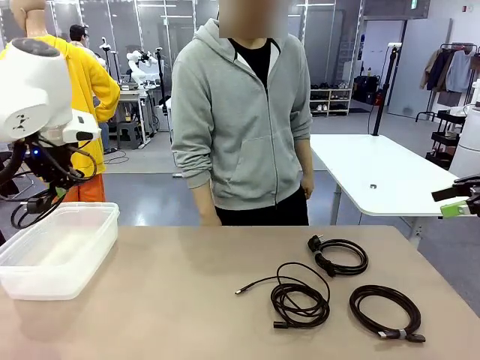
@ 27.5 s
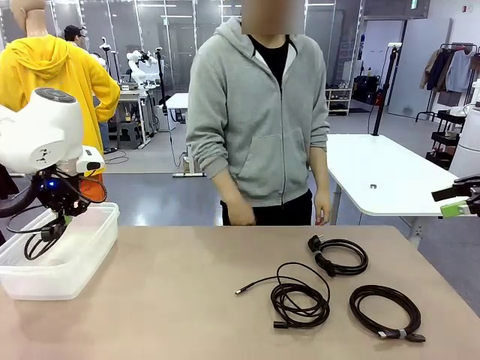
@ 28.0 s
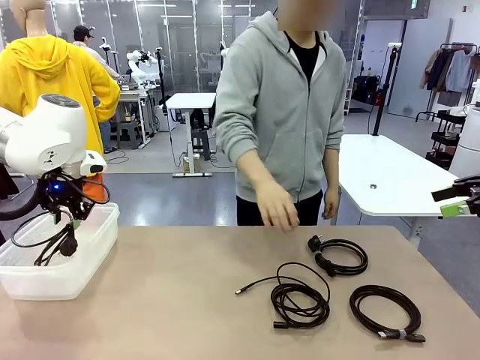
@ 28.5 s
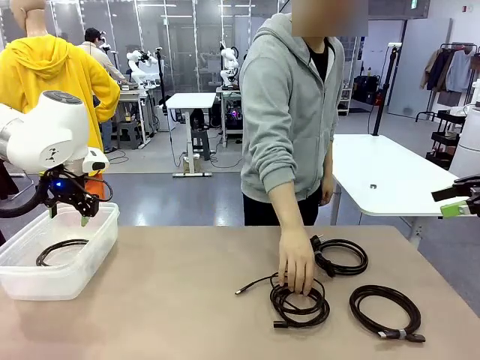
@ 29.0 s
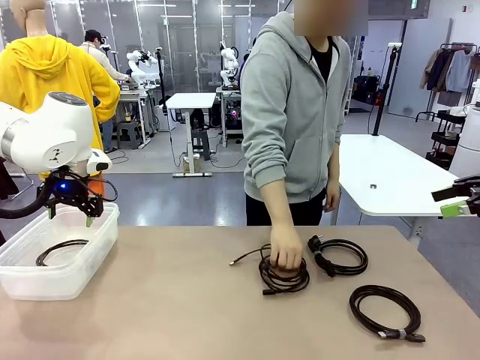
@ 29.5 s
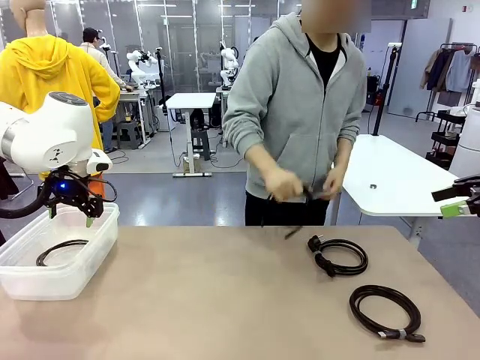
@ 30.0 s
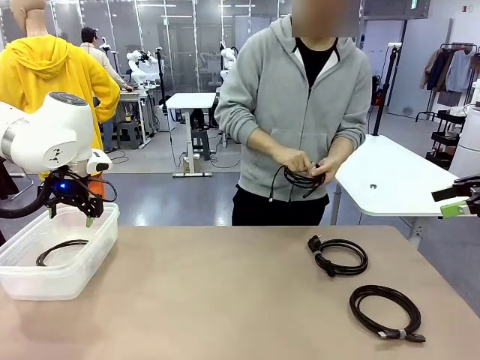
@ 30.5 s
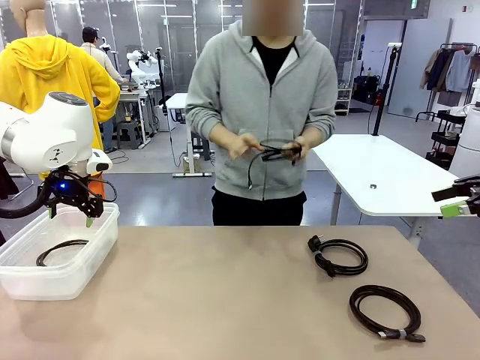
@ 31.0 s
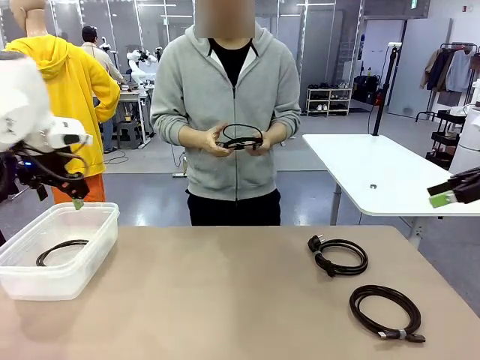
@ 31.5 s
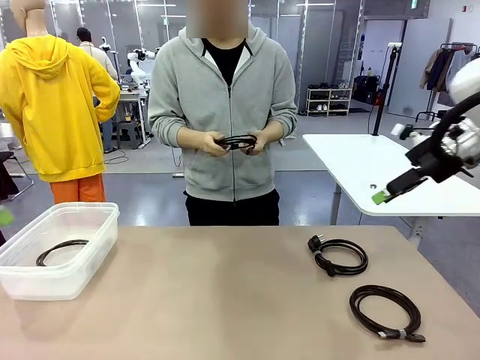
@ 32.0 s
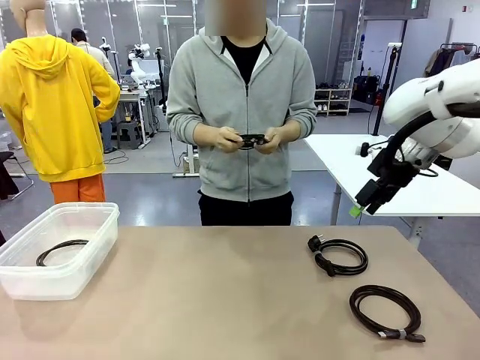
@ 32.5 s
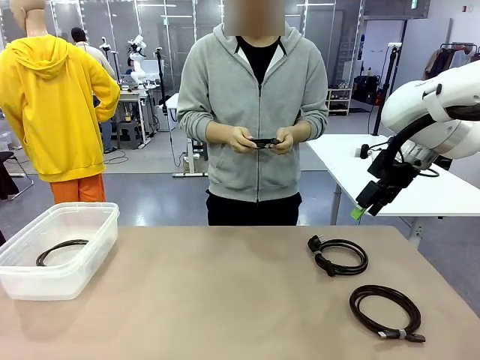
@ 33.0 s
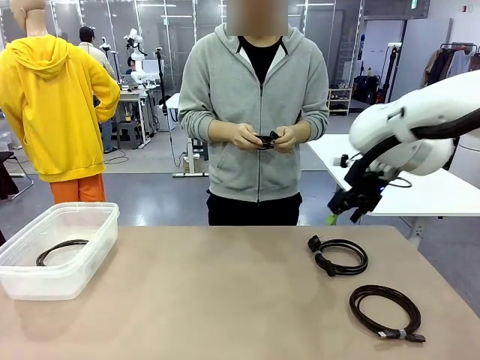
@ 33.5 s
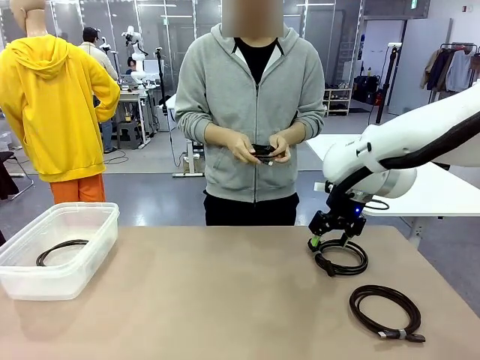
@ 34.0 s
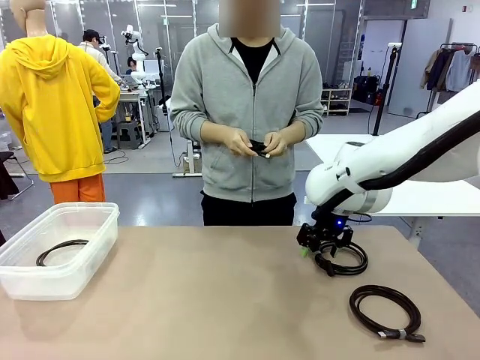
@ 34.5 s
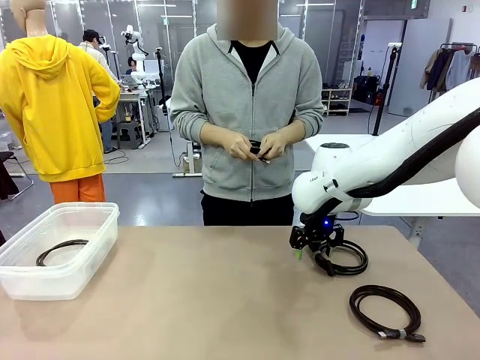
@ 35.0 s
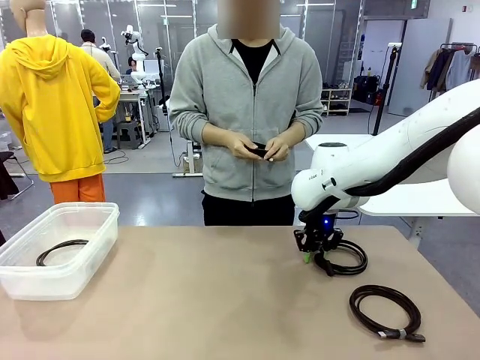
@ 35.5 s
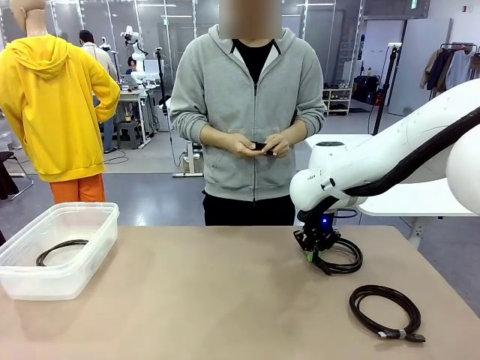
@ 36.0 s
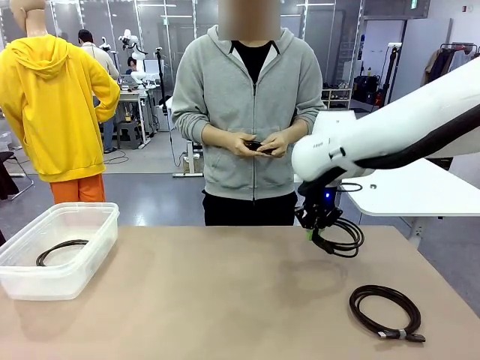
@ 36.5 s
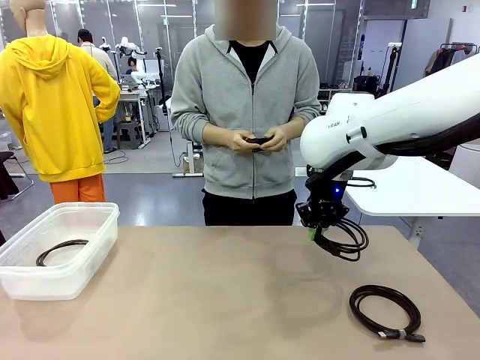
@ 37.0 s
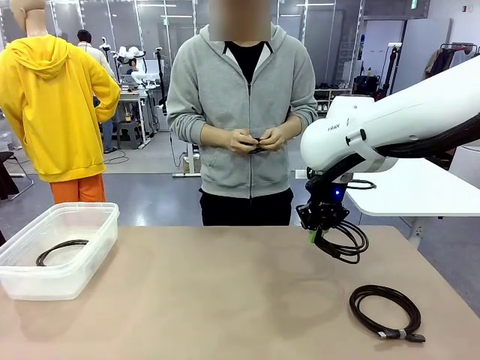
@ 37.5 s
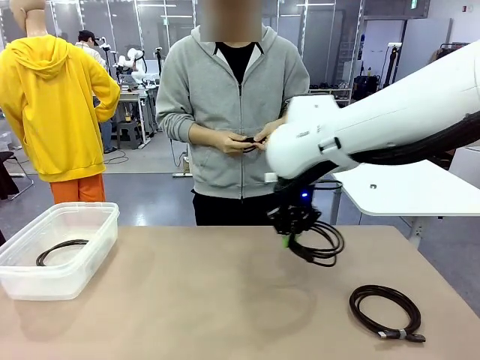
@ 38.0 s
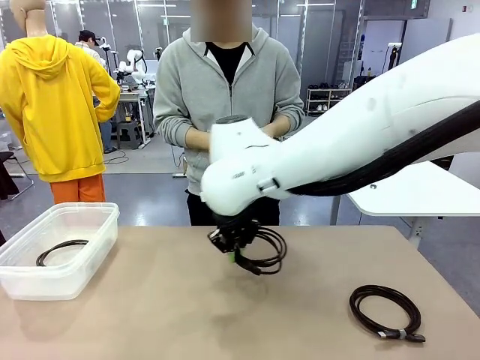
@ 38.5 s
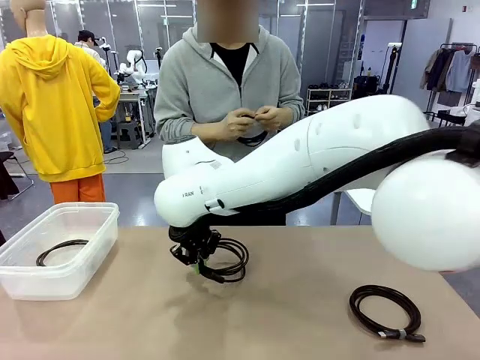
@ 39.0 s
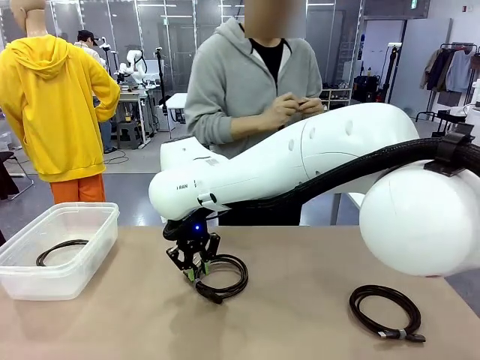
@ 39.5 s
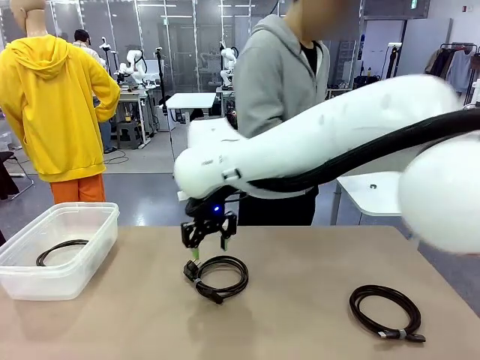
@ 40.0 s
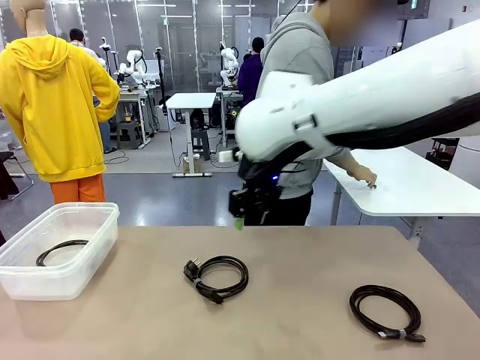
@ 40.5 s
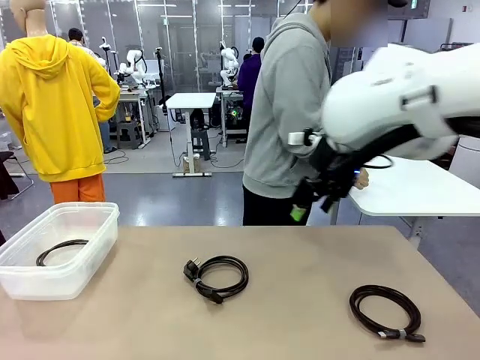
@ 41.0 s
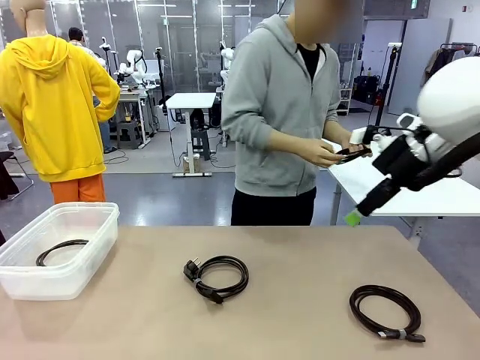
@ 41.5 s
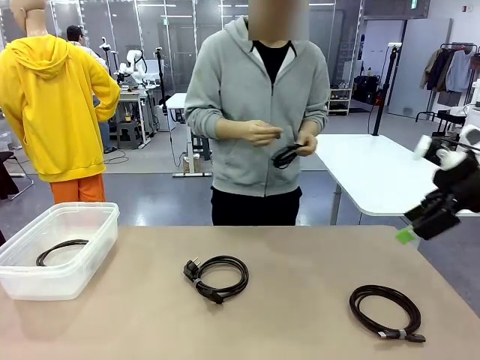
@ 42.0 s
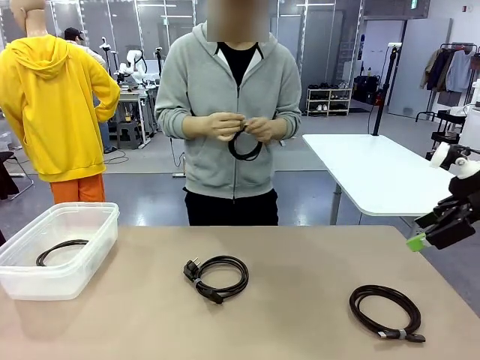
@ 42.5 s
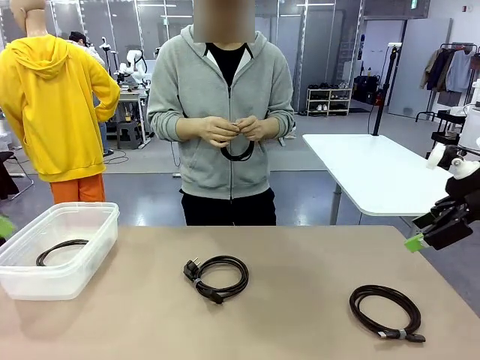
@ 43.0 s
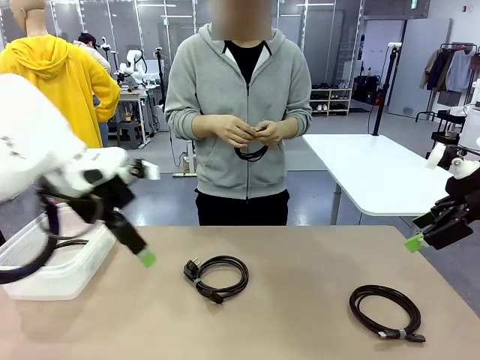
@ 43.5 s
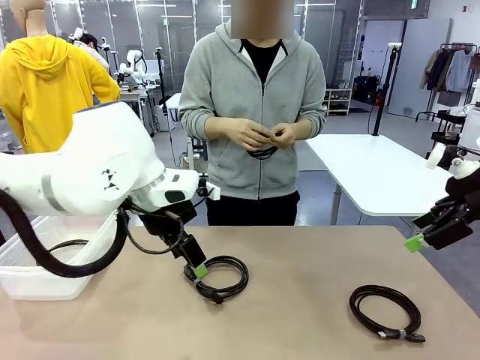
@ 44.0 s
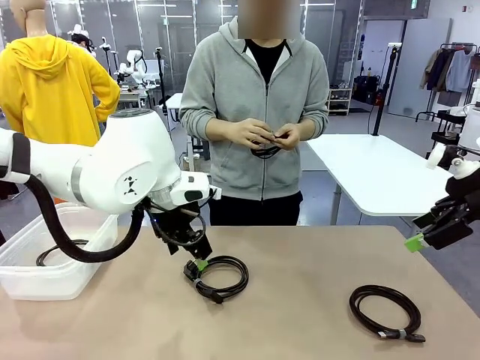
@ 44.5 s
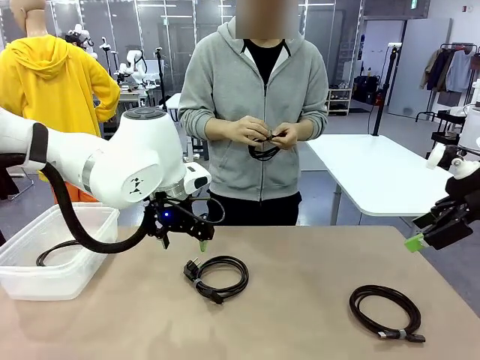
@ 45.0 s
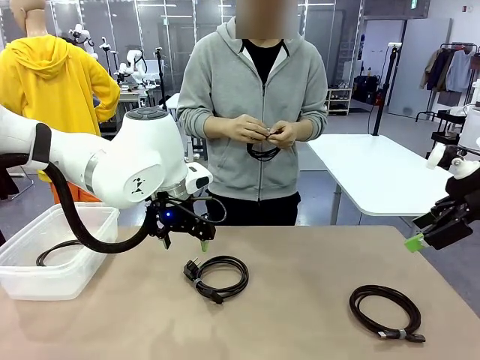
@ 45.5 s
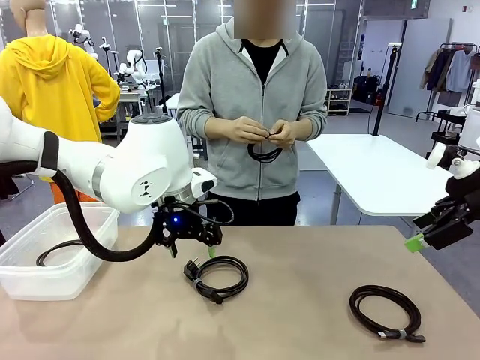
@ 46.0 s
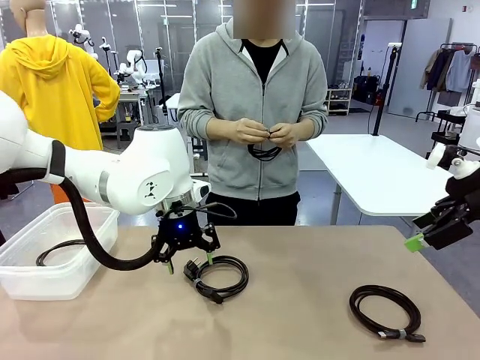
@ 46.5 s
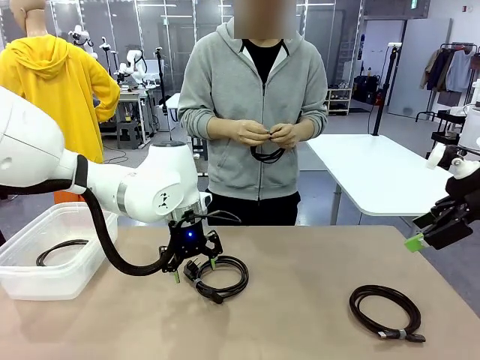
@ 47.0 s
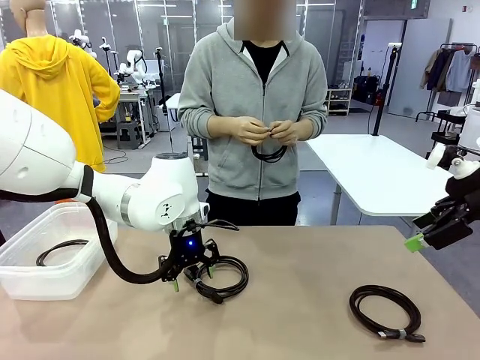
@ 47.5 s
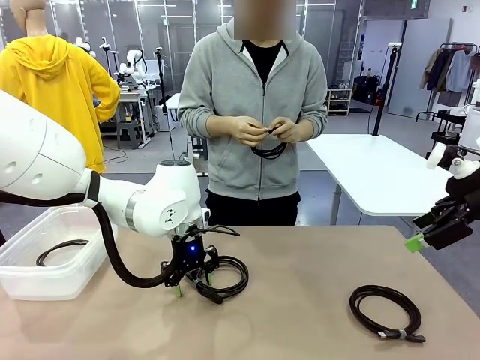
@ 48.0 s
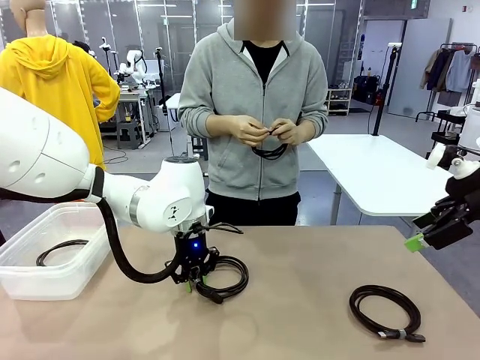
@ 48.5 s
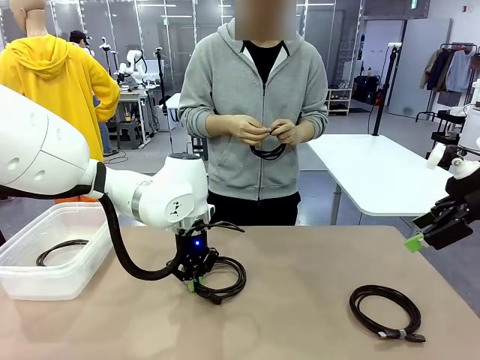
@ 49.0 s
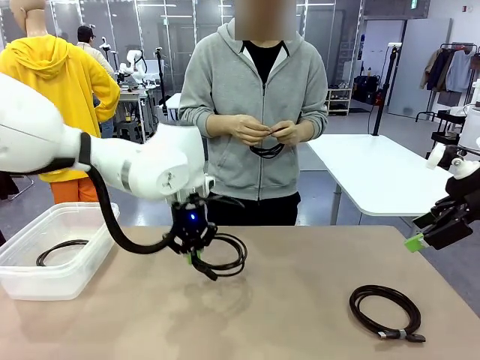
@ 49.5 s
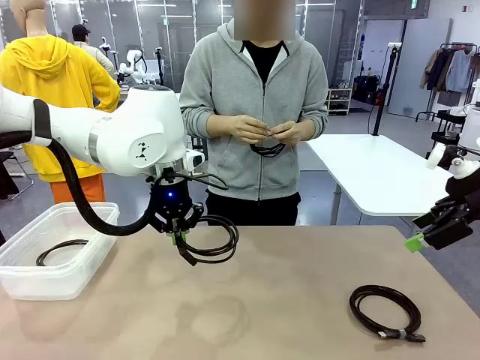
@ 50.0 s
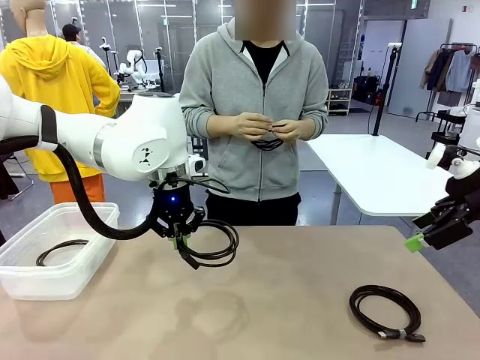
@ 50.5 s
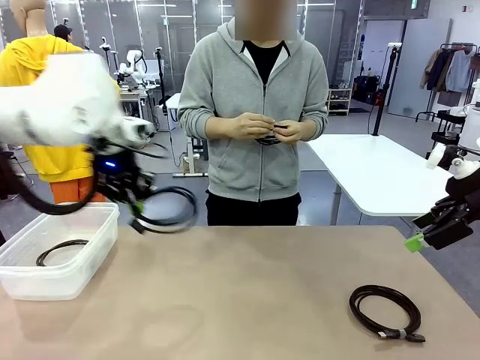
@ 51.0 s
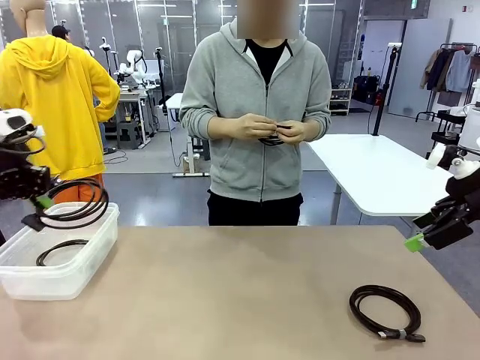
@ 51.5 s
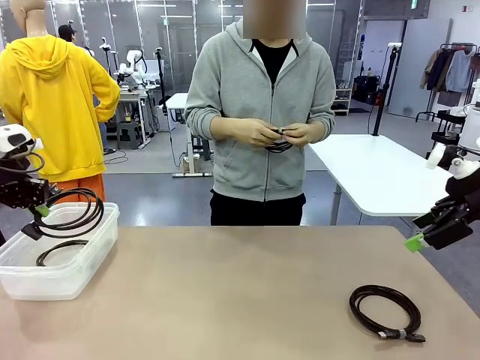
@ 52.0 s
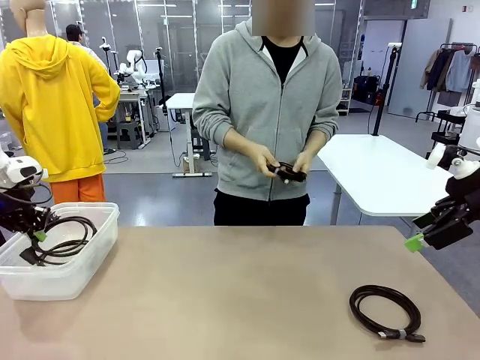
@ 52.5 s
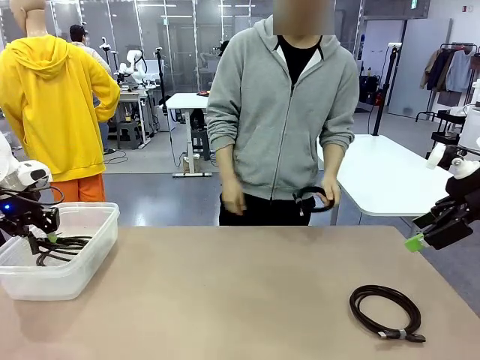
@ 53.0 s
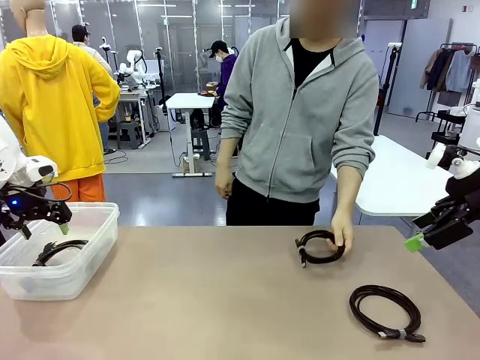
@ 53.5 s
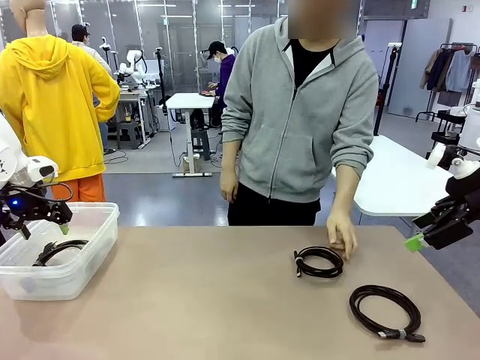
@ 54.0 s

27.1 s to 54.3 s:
Task: Organize and store the cables.
Robot: Place the Power Cable into the Organizing box.

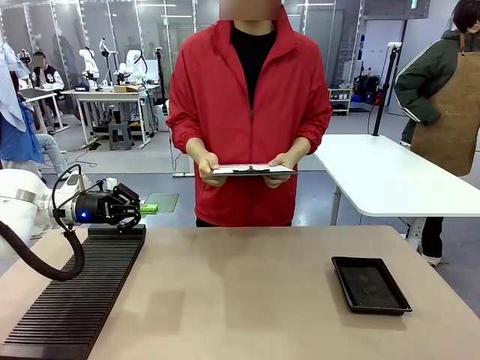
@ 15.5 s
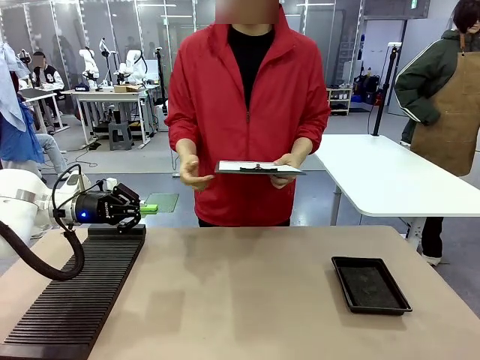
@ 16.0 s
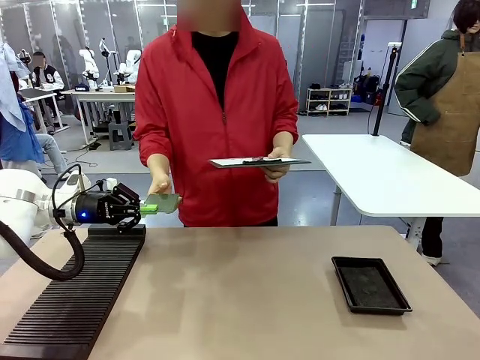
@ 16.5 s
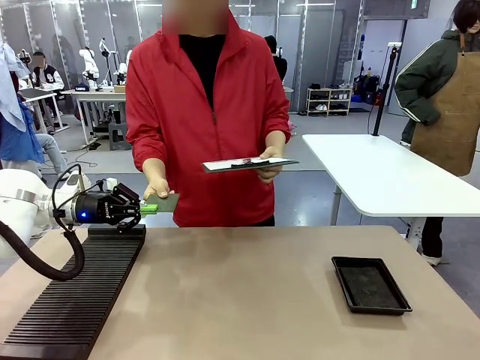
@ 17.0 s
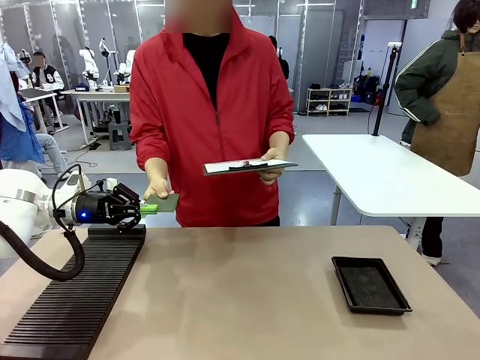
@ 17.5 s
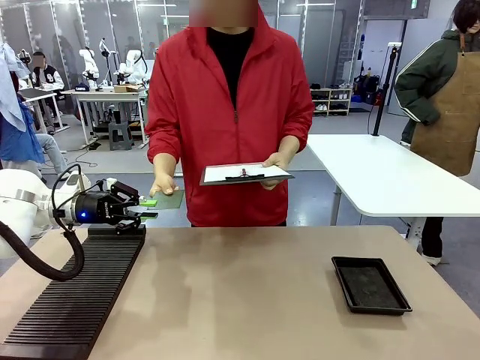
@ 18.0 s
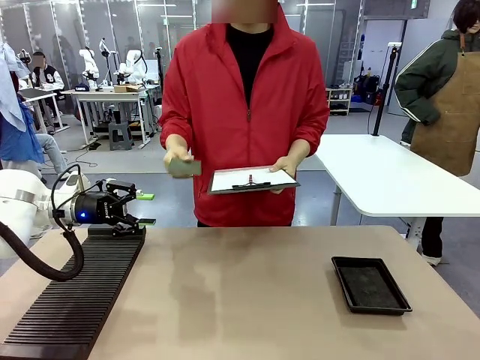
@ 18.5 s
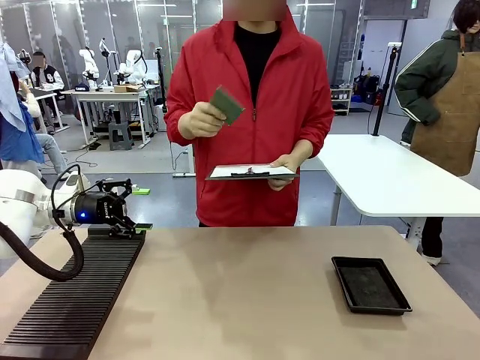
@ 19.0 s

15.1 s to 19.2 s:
Task: Inspect the PCB.
Robot: Release the Blank PCB you were holding.
